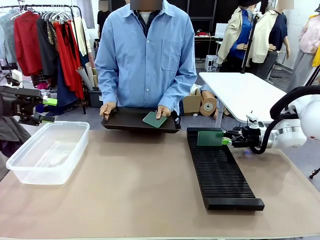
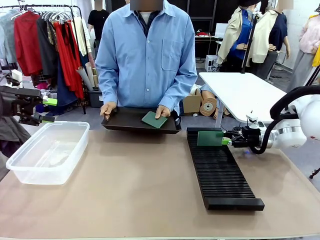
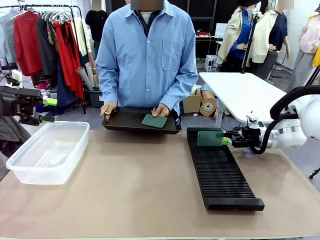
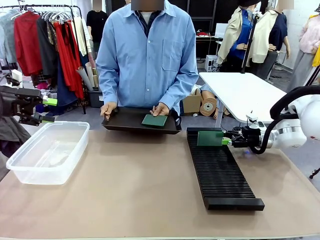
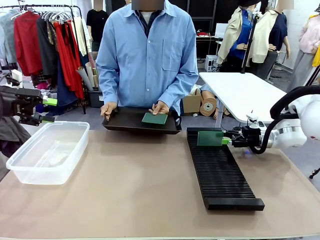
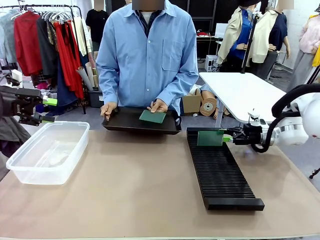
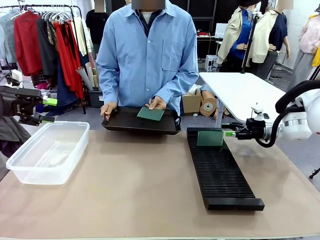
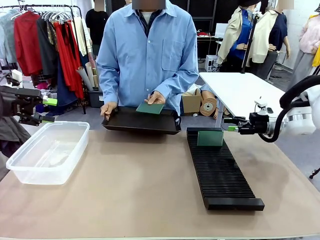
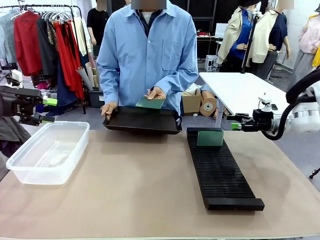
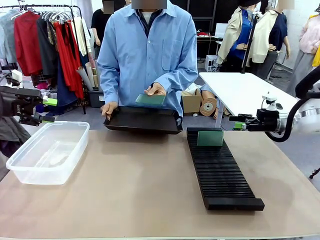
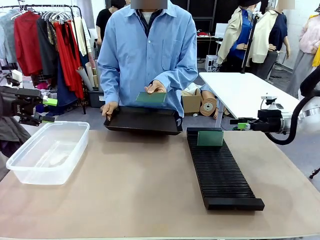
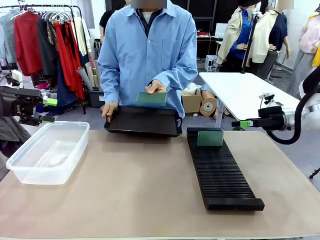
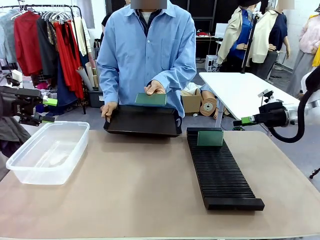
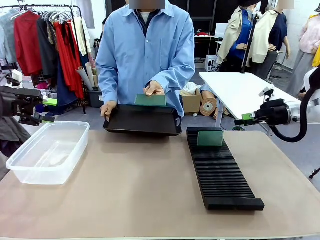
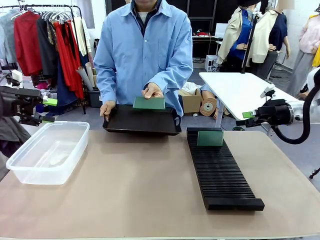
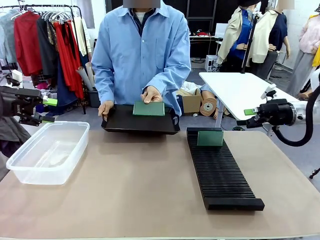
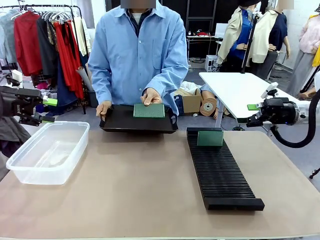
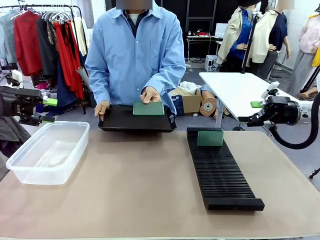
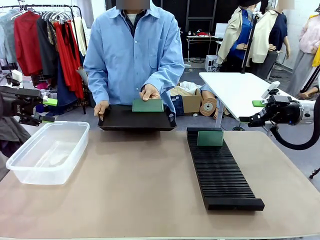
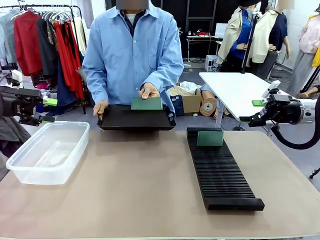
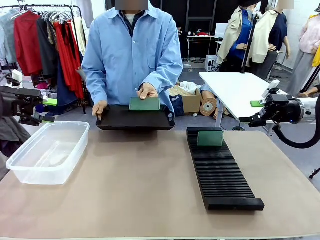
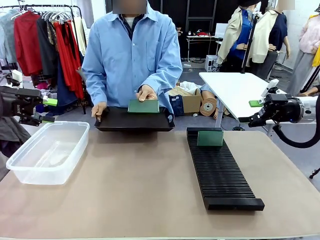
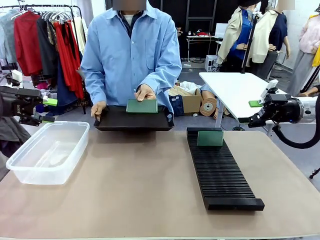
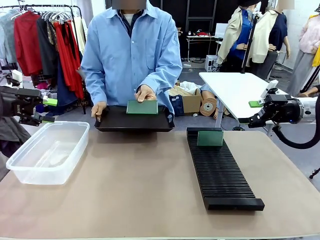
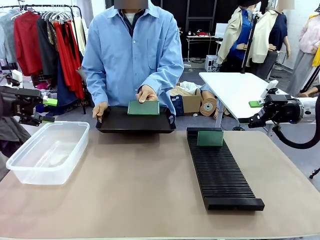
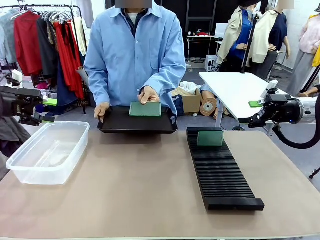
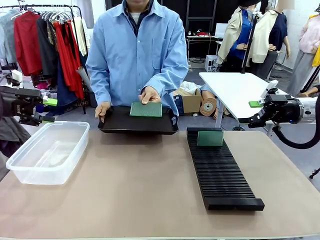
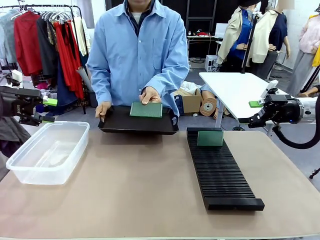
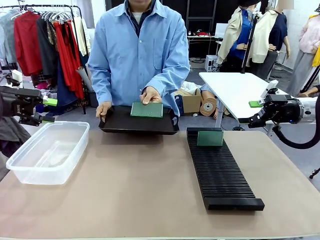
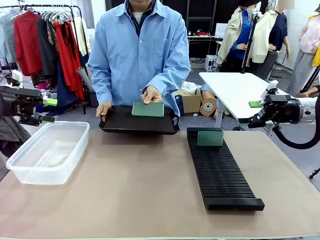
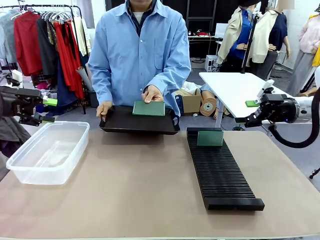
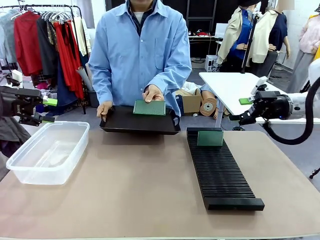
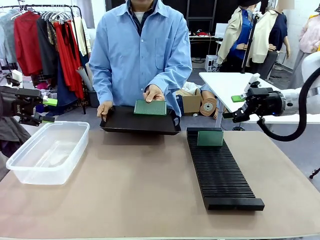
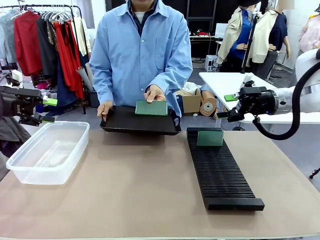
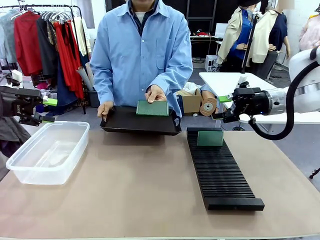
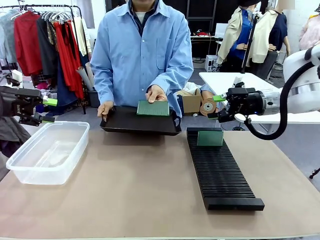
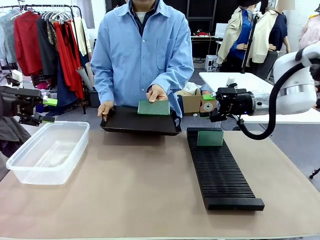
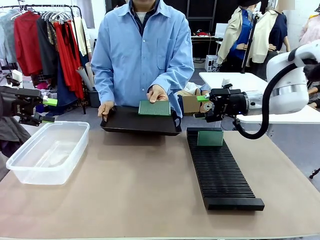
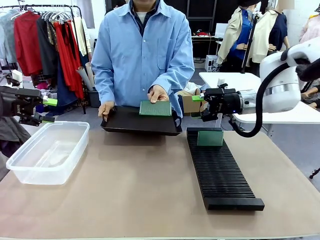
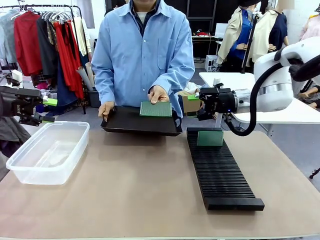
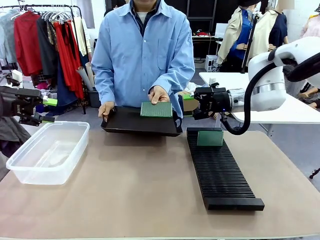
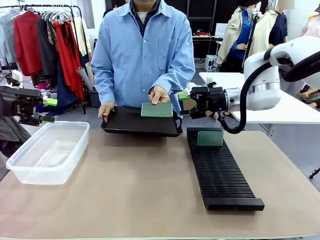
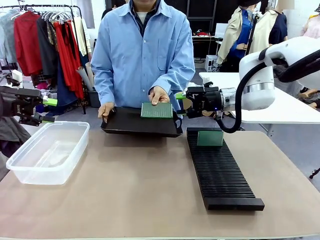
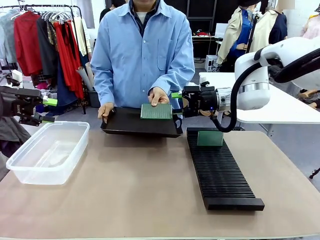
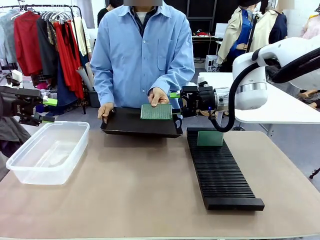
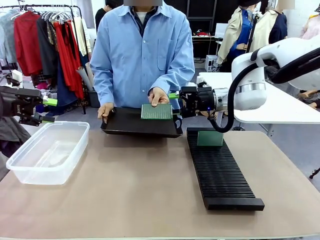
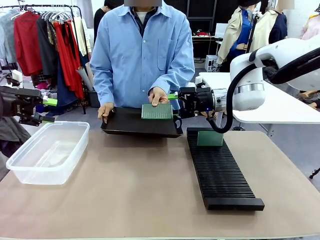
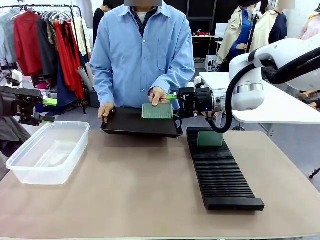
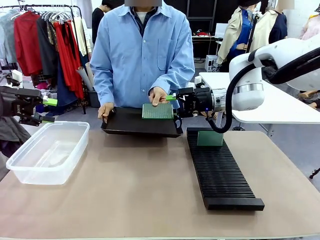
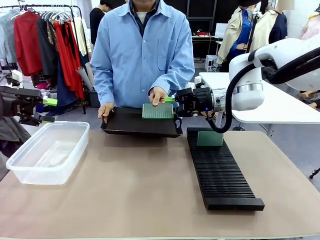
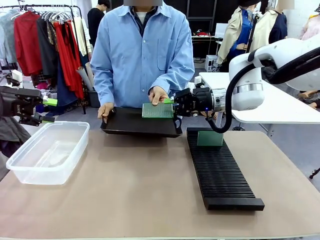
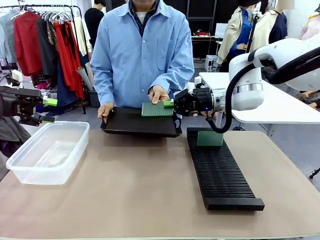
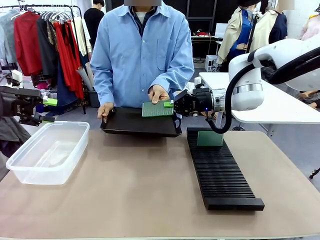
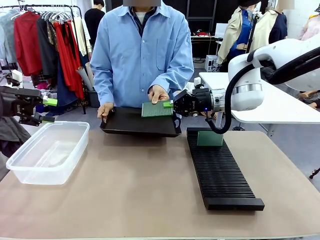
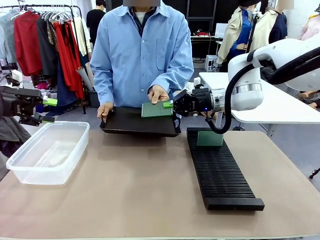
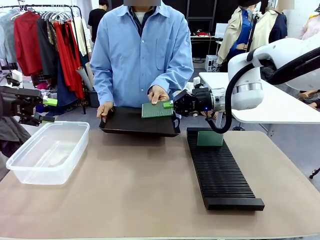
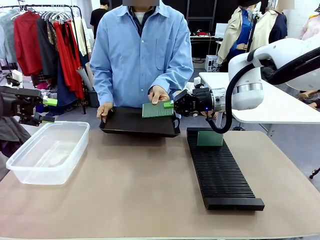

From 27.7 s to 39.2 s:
Task: Sort PCBs into racks and boxes based on the side picked up.
Robot: Pick up the Blank PCB handed by the Human.

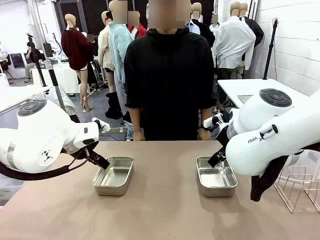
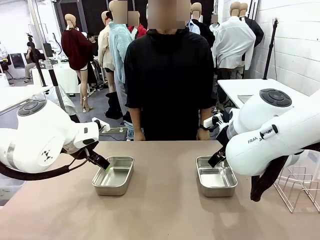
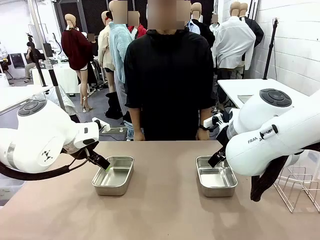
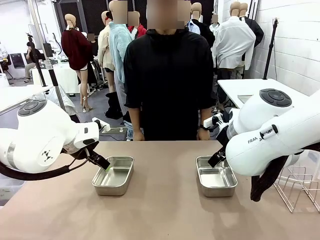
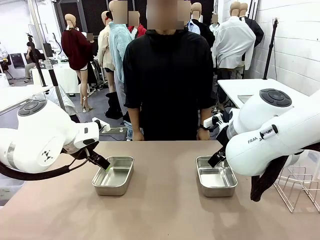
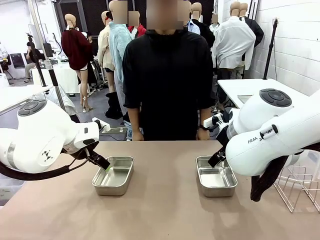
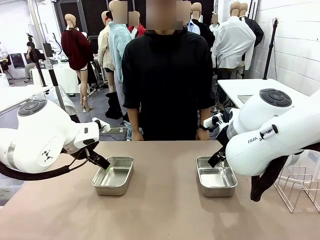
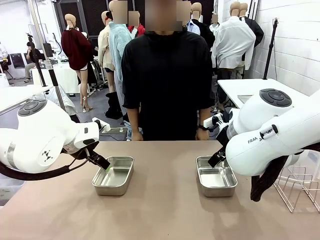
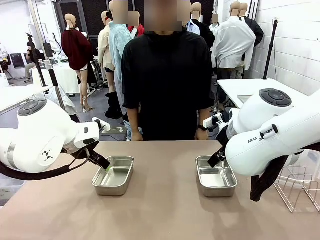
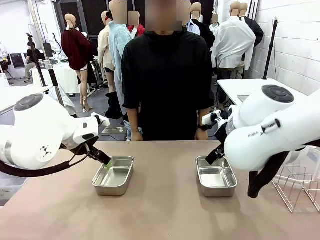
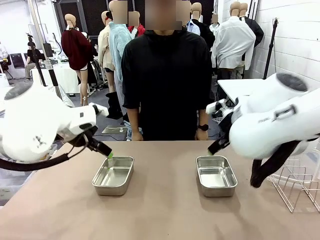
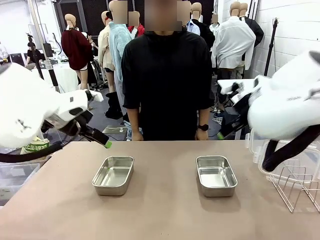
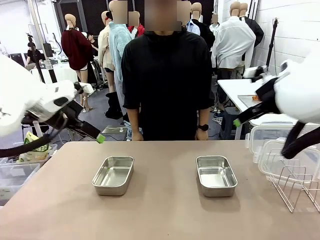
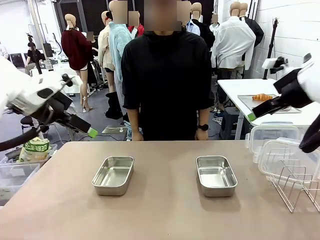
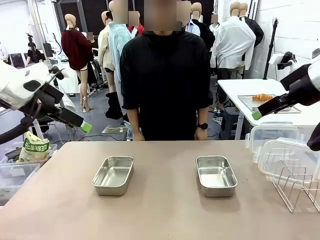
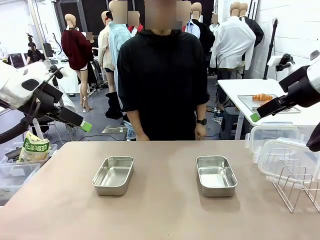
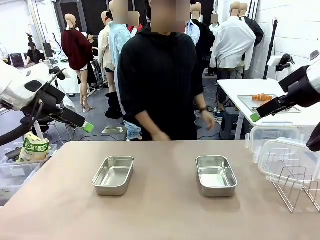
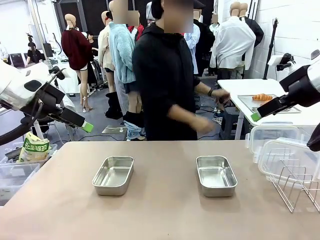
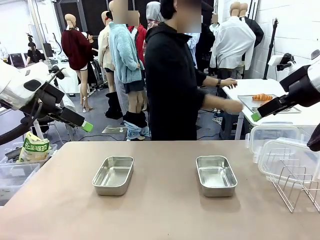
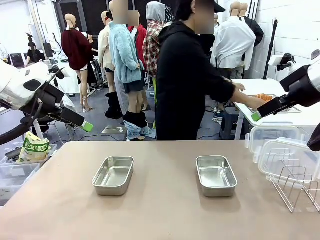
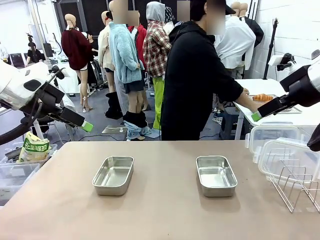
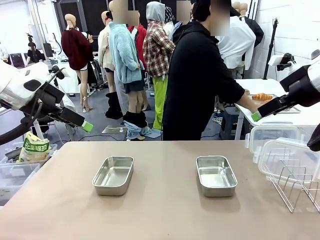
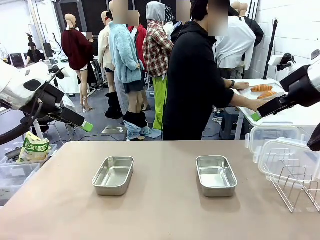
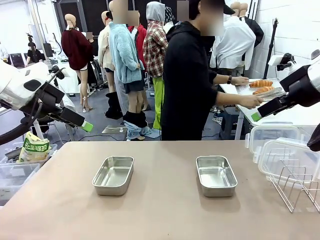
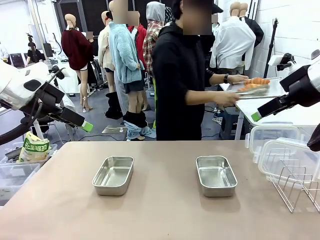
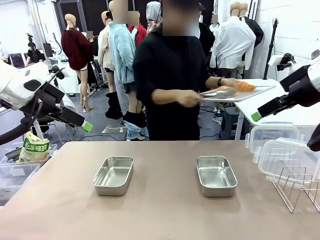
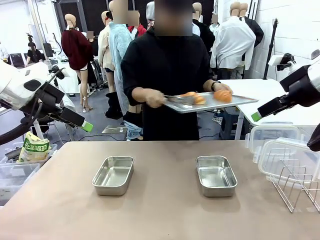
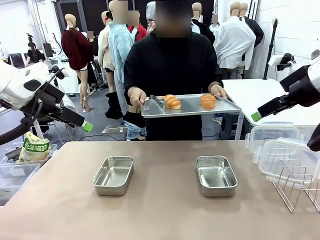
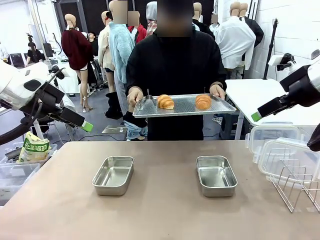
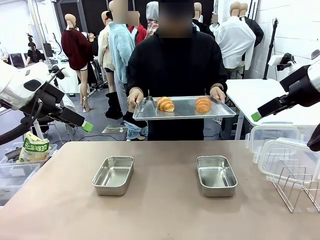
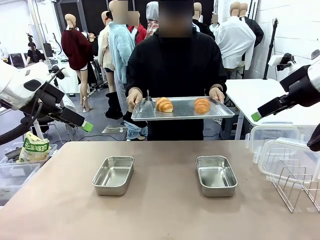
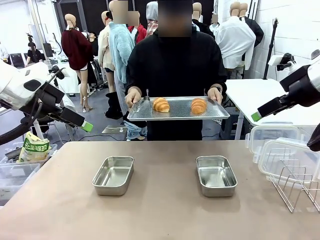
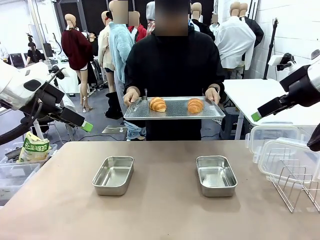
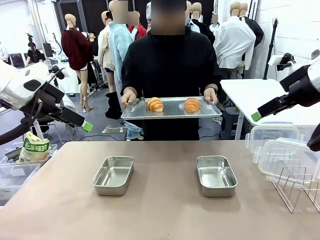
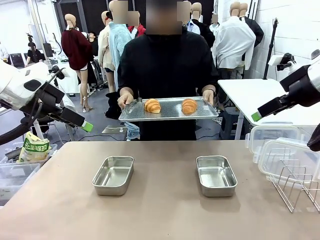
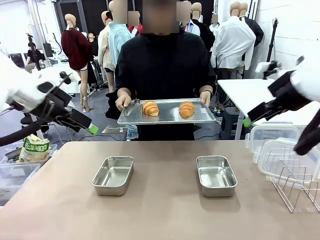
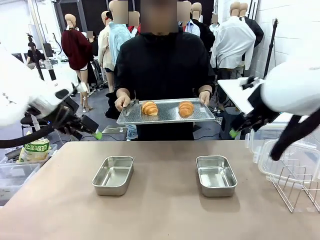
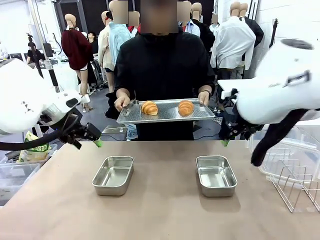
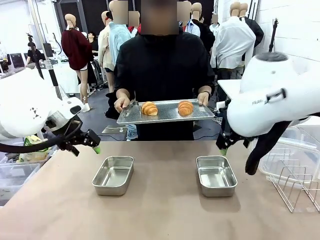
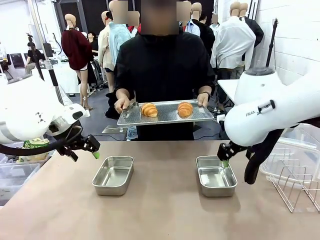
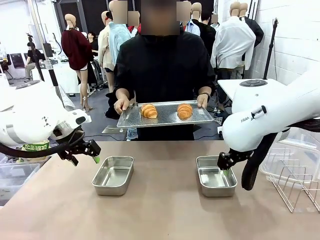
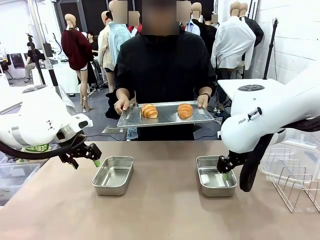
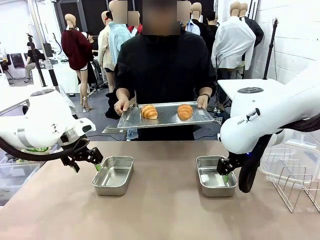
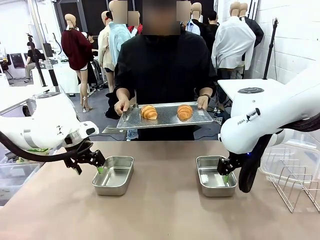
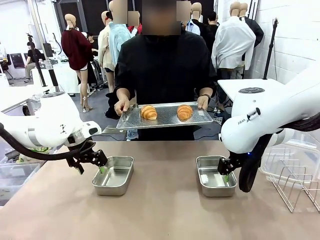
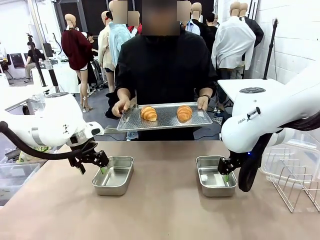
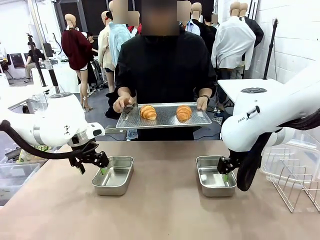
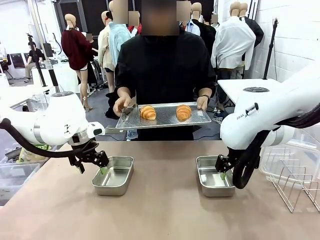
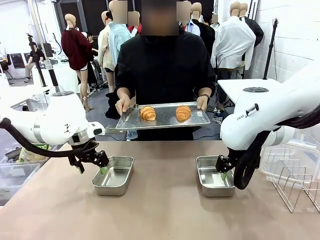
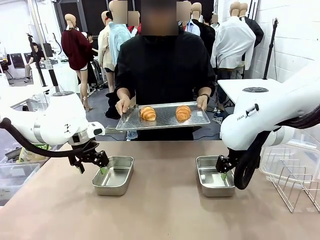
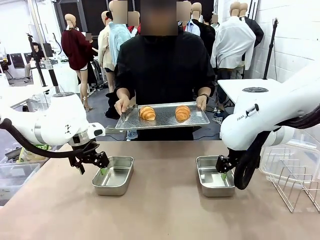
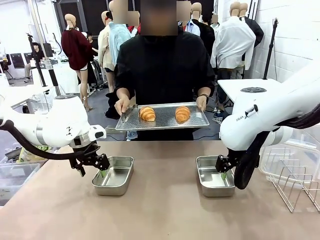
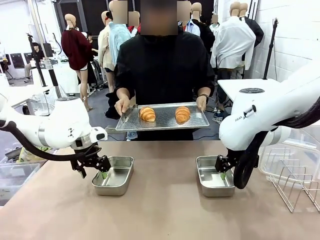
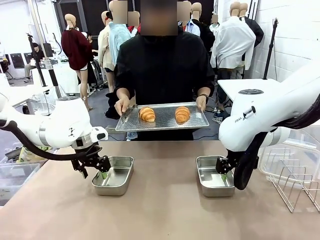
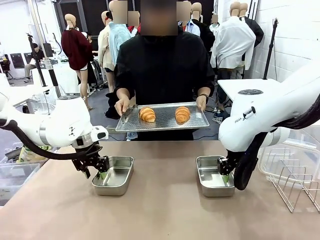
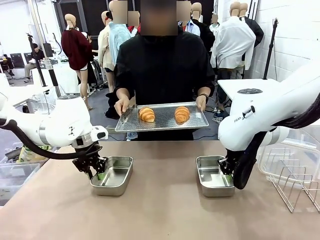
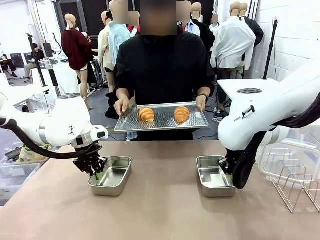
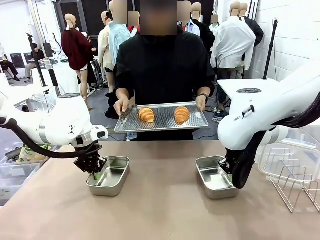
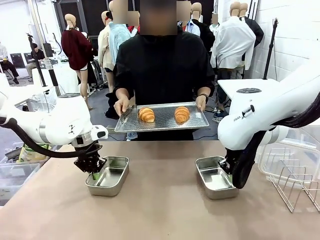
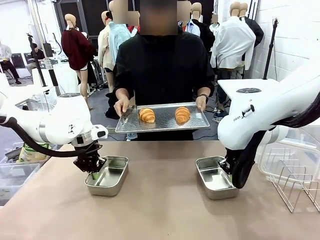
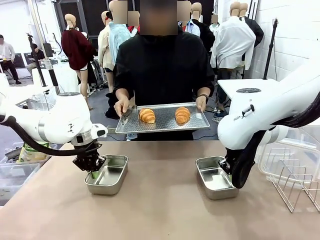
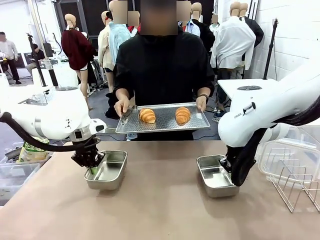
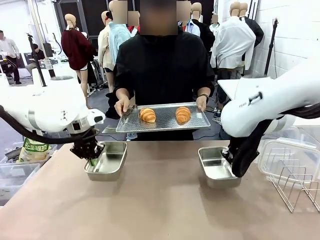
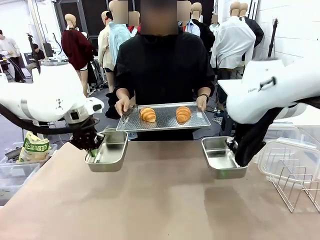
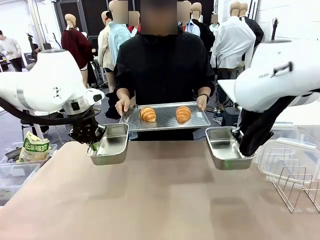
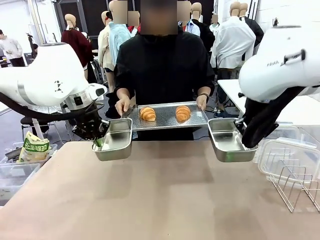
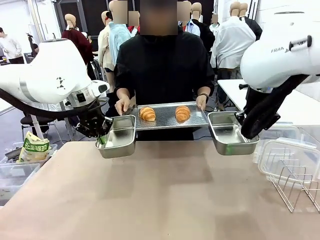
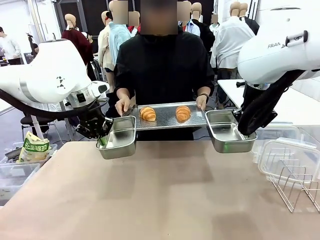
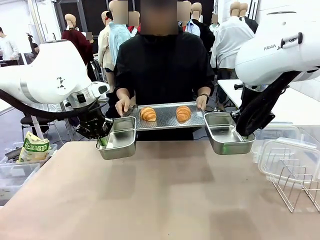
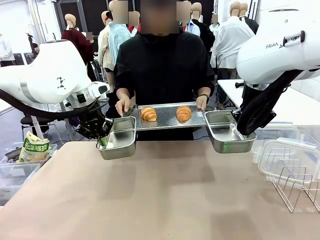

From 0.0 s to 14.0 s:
Task: Place the bread in airtight containers.
Robot: Lift both Airtight Container.
Person: Bring the Baking Sheet in front of Robot's Table.
